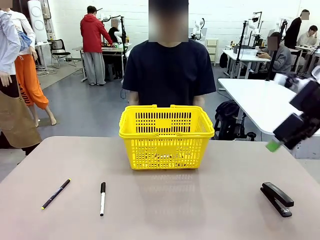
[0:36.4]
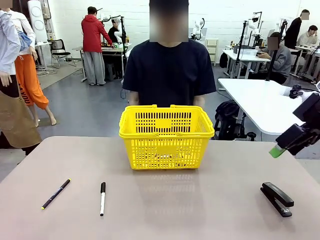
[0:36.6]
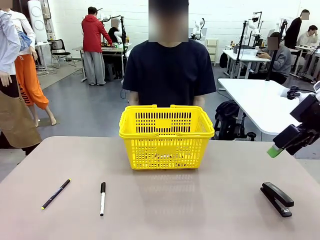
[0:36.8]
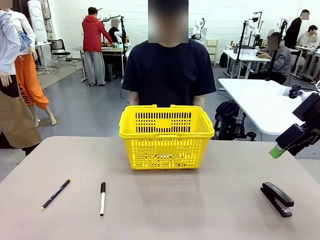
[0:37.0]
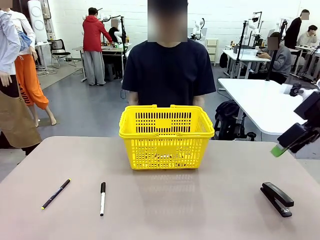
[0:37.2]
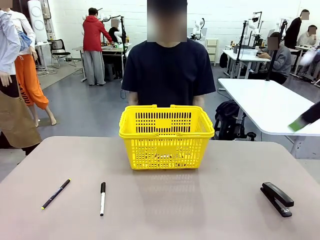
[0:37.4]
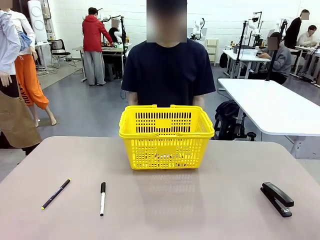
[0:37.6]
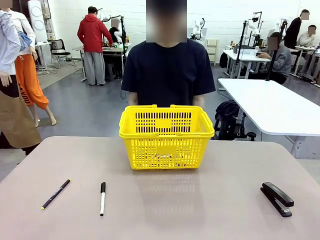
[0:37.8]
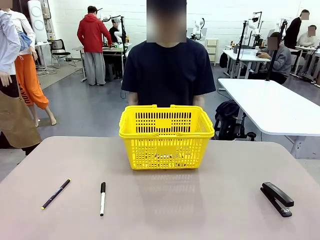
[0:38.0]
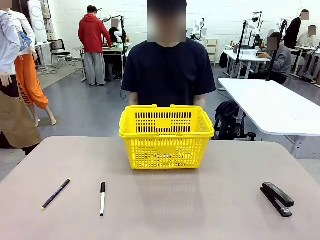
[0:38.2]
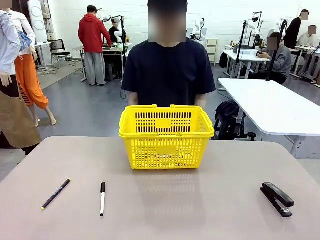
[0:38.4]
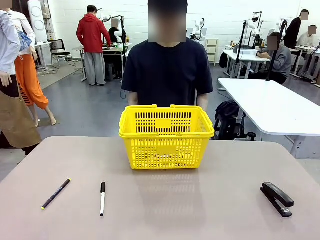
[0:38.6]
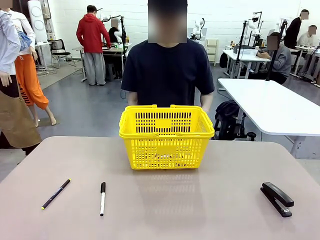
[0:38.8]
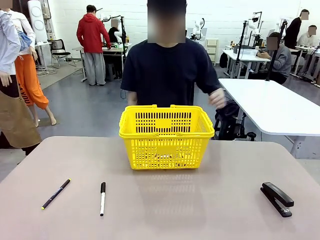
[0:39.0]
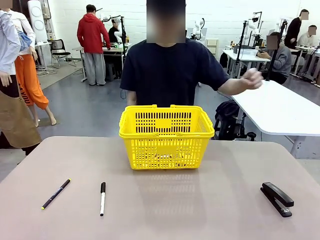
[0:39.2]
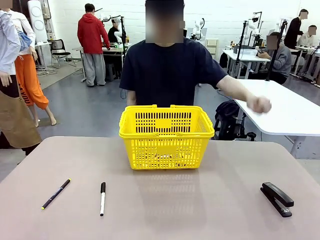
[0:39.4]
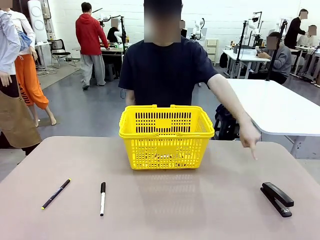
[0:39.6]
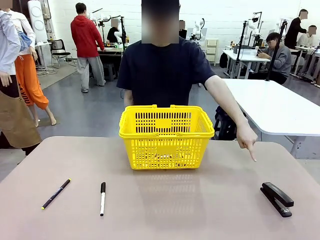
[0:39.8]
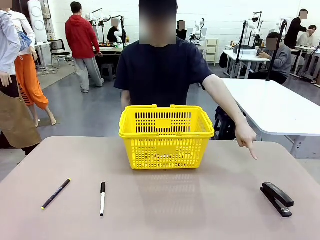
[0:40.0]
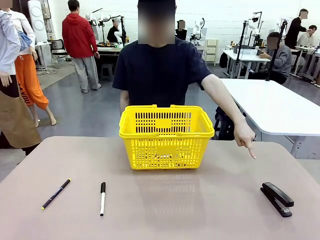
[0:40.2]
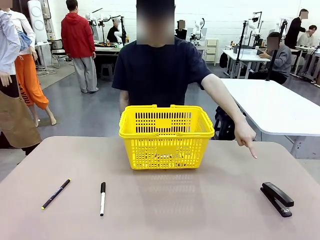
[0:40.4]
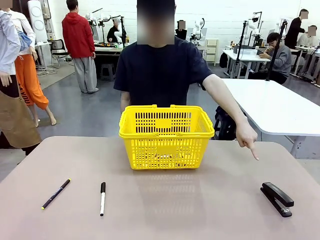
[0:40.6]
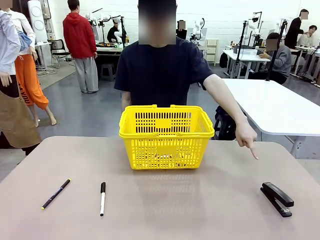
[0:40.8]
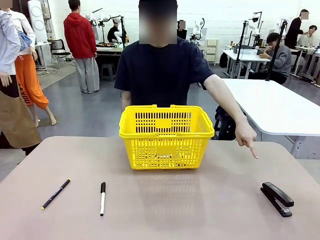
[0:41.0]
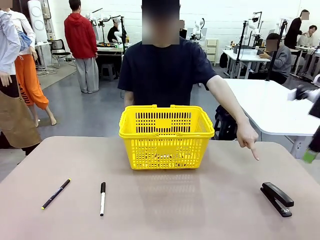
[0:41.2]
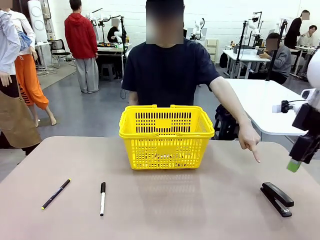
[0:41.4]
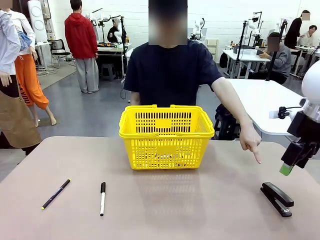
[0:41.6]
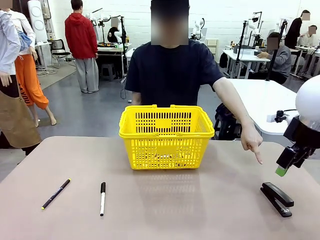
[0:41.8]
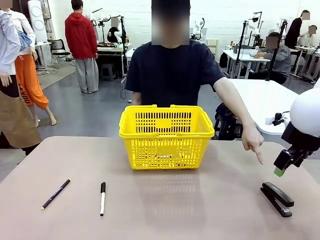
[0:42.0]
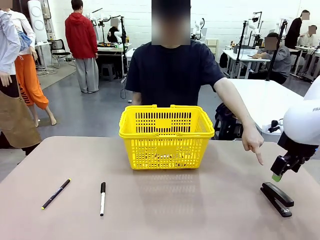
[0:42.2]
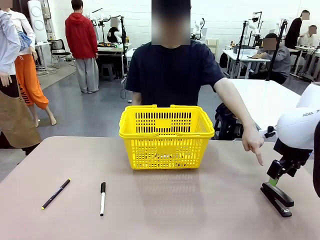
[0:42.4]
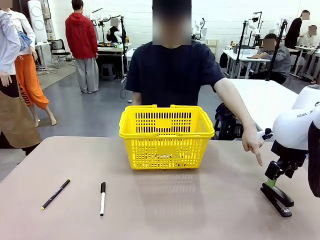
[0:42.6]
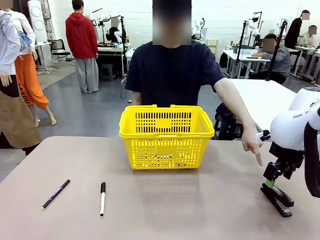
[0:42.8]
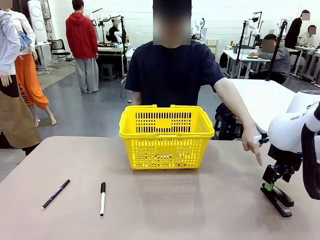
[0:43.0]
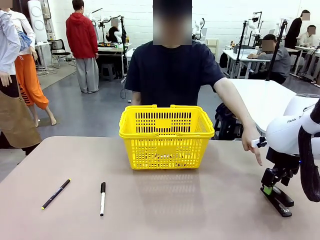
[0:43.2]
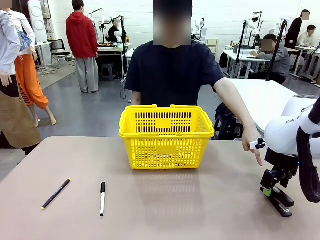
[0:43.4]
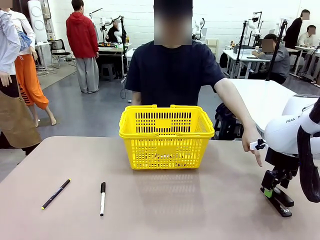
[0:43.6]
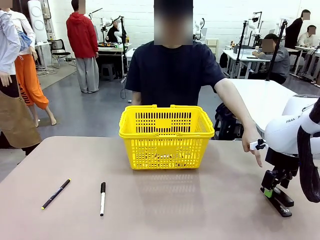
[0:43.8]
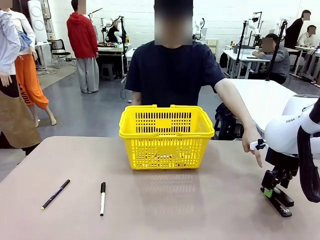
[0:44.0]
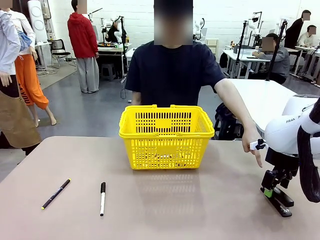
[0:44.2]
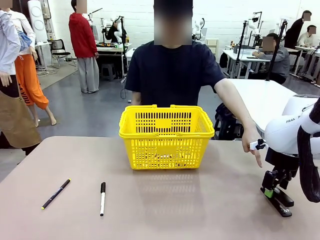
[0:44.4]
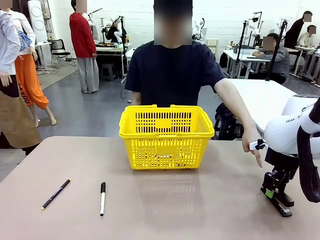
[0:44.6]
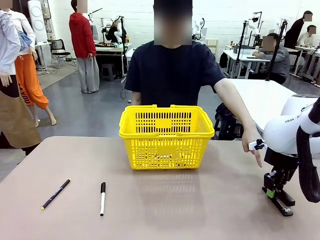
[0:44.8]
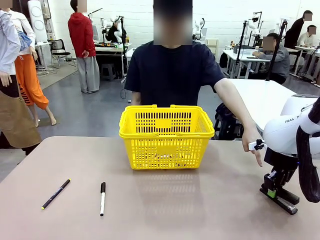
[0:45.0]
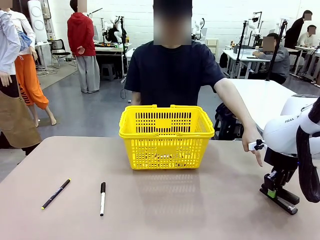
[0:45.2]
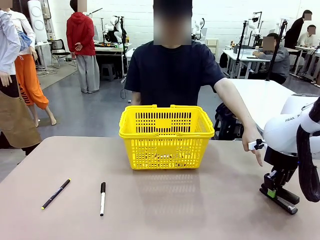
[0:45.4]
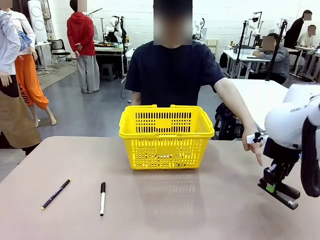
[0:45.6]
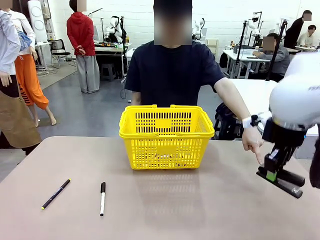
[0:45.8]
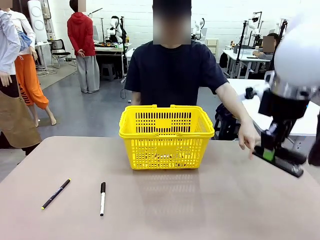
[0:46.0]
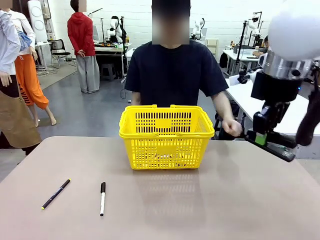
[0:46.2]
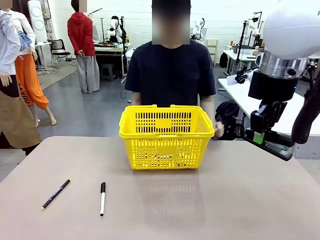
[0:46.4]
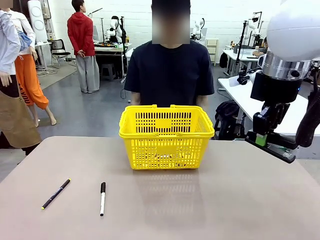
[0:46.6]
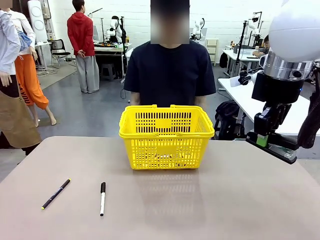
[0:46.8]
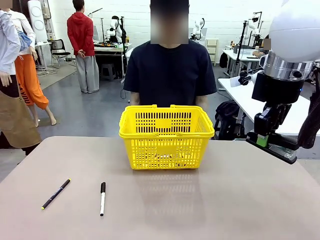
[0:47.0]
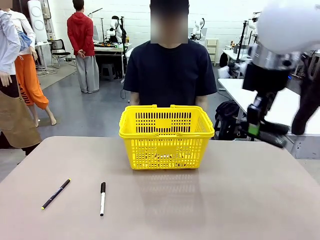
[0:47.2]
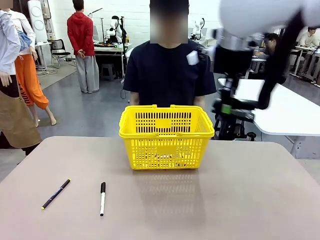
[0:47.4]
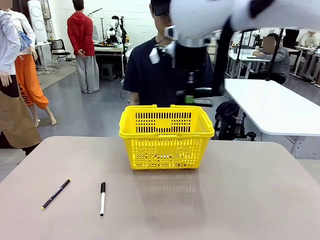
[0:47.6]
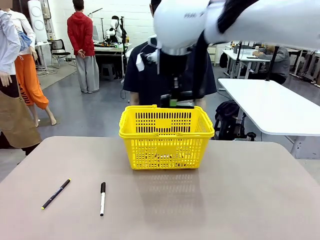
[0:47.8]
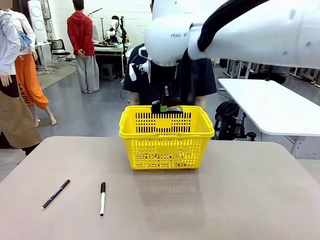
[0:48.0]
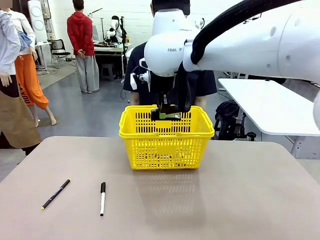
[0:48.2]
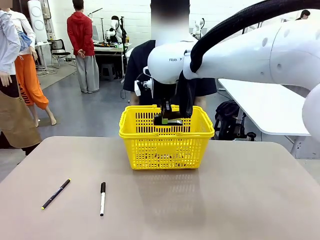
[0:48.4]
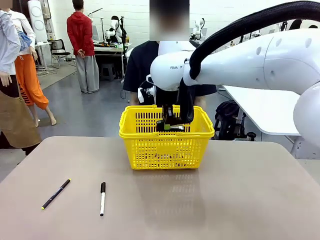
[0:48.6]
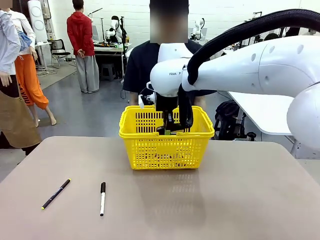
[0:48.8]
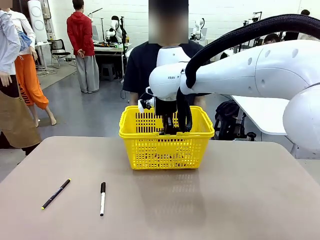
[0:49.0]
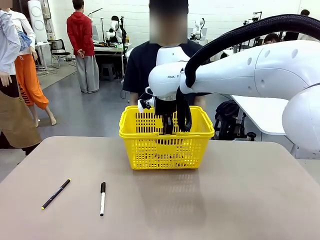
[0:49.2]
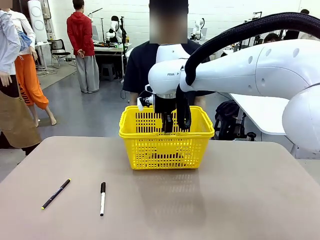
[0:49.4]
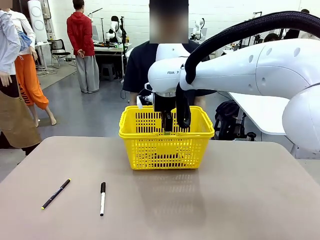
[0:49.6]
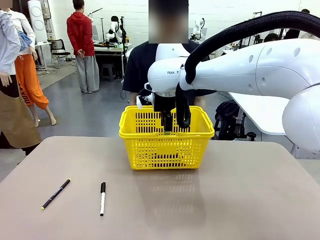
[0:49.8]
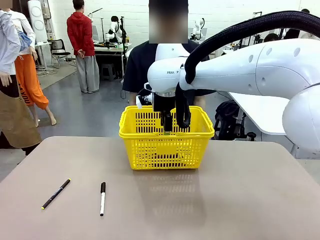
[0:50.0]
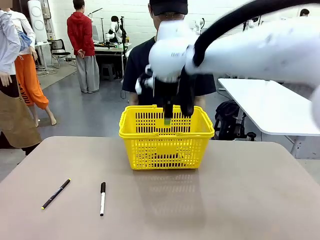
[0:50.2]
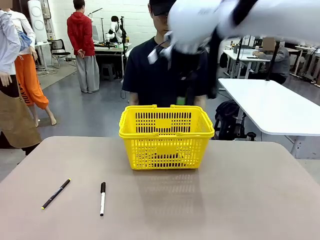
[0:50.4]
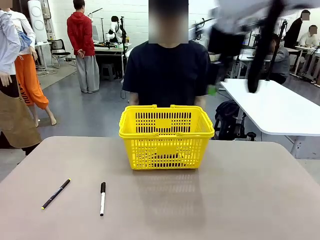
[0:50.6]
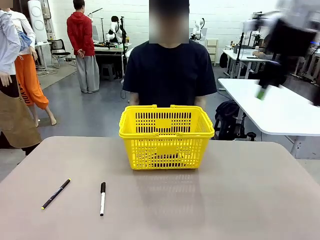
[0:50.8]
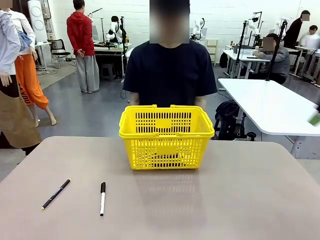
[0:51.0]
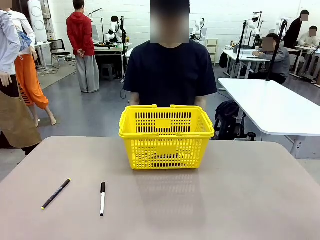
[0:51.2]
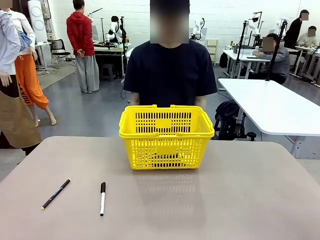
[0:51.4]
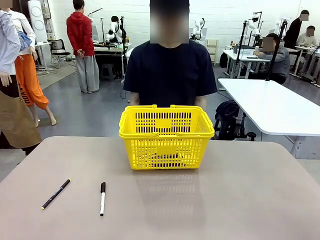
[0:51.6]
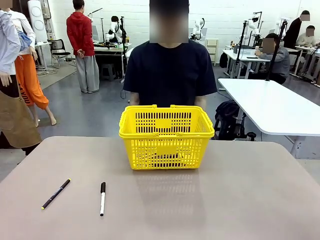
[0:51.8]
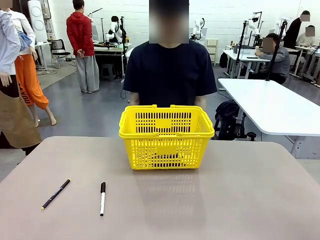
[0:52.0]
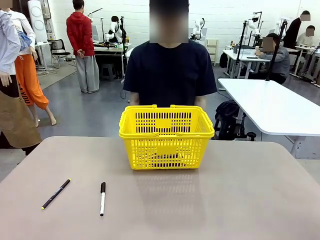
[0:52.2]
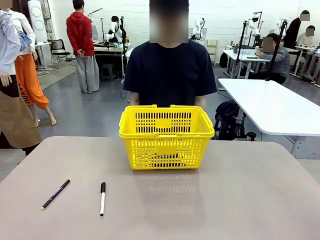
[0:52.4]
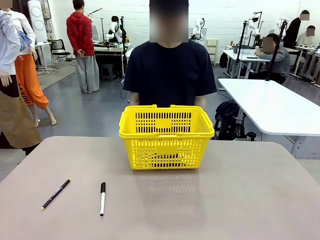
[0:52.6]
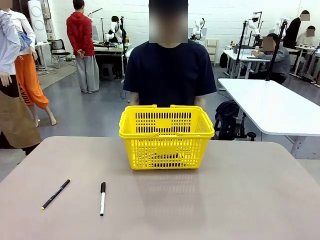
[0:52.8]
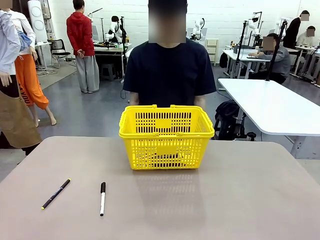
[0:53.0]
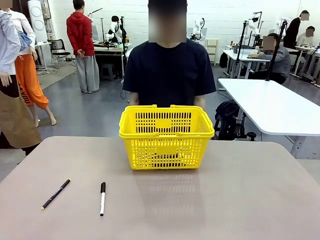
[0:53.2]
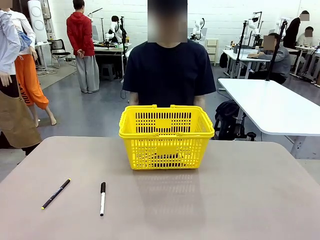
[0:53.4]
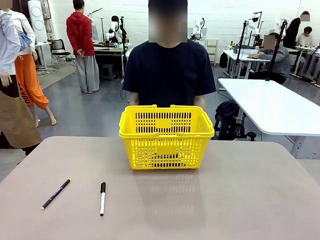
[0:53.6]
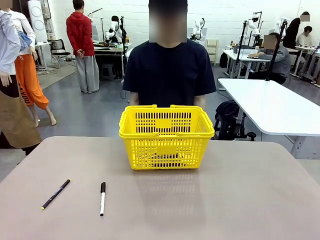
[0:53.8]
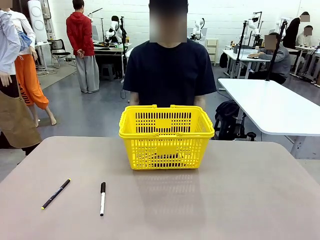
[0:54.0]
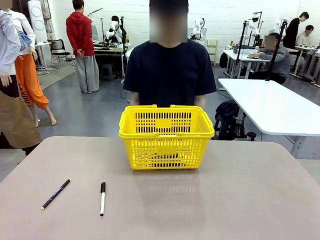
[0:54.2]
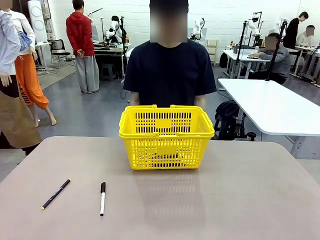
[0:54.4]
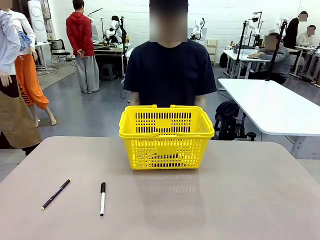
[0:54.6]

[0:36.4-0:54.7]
Task: Place the items the person wants into the basket.
Robot: Pick up the item the person points to and place it in the Market Basket.
